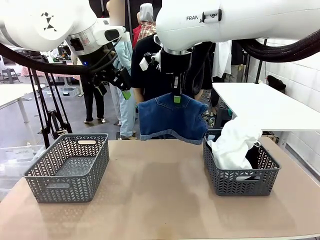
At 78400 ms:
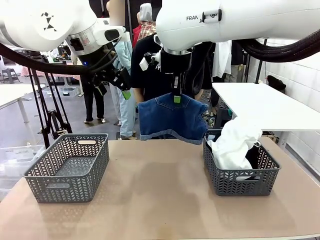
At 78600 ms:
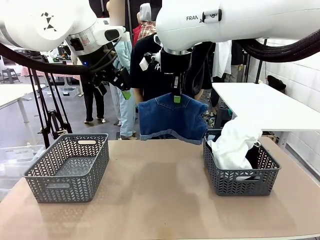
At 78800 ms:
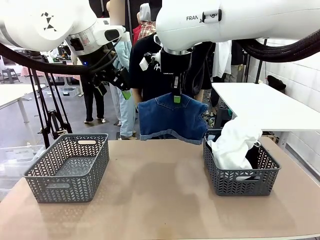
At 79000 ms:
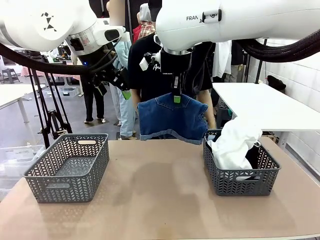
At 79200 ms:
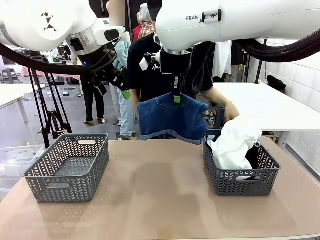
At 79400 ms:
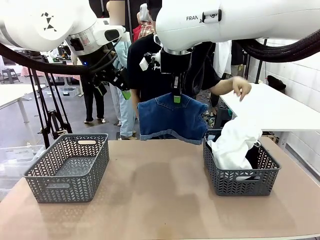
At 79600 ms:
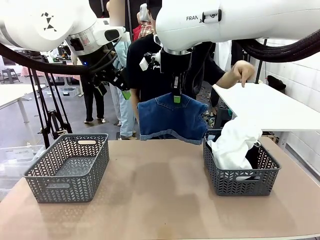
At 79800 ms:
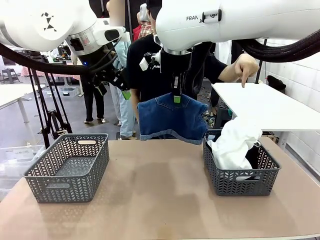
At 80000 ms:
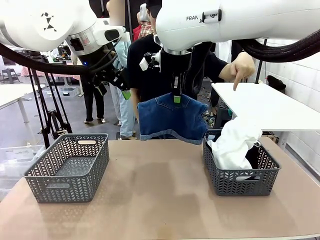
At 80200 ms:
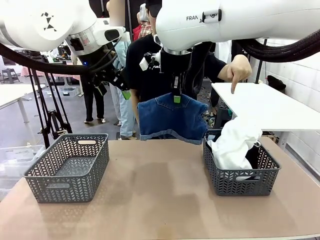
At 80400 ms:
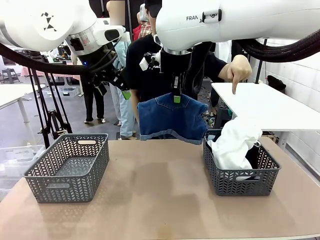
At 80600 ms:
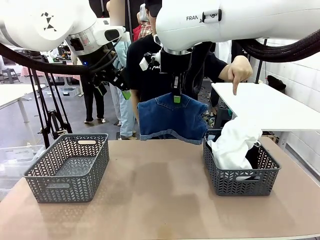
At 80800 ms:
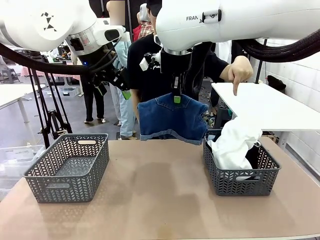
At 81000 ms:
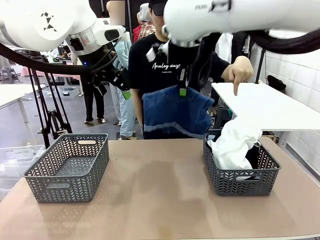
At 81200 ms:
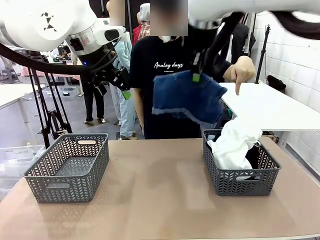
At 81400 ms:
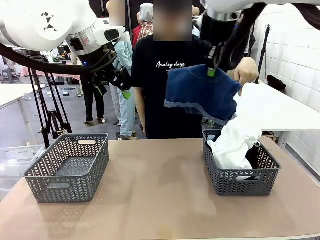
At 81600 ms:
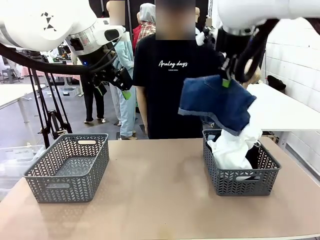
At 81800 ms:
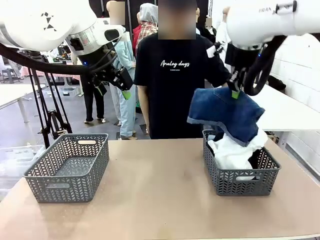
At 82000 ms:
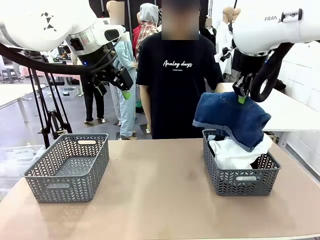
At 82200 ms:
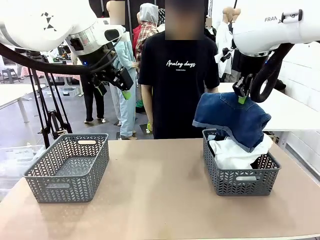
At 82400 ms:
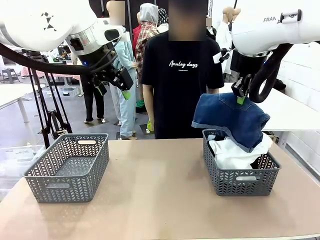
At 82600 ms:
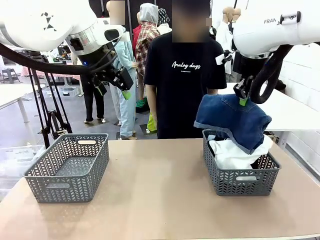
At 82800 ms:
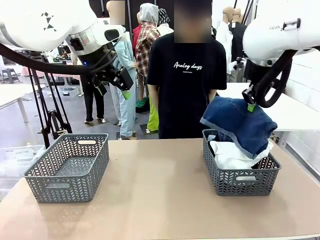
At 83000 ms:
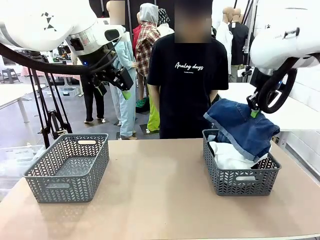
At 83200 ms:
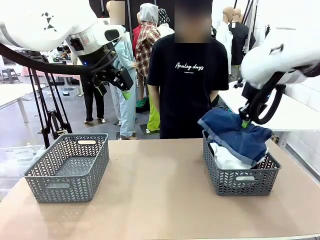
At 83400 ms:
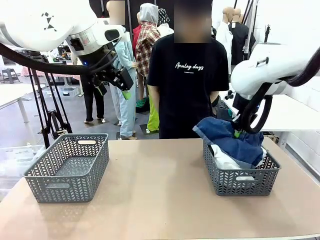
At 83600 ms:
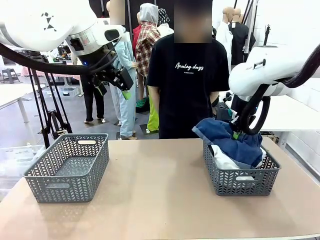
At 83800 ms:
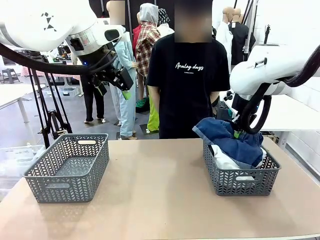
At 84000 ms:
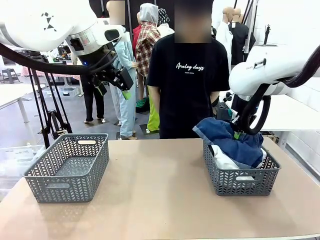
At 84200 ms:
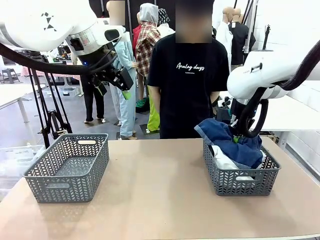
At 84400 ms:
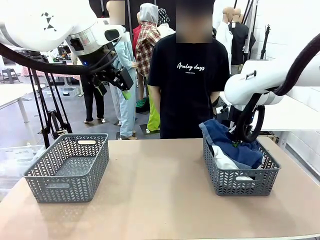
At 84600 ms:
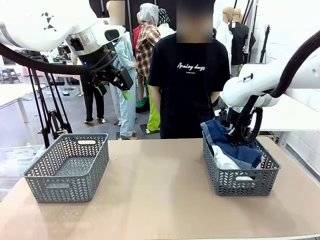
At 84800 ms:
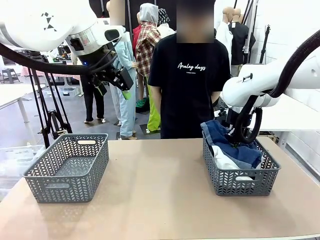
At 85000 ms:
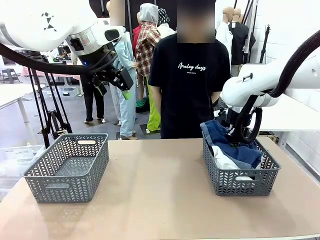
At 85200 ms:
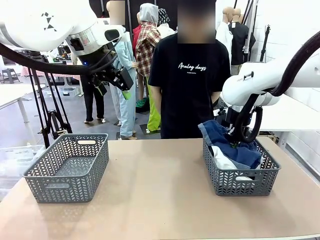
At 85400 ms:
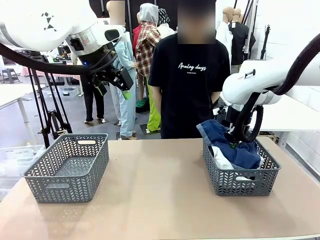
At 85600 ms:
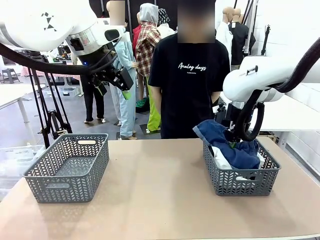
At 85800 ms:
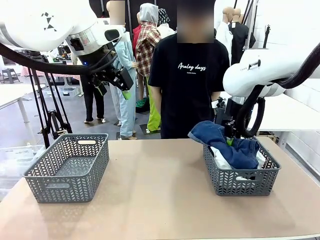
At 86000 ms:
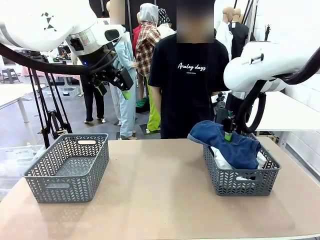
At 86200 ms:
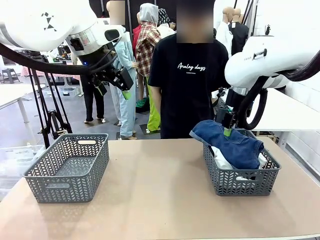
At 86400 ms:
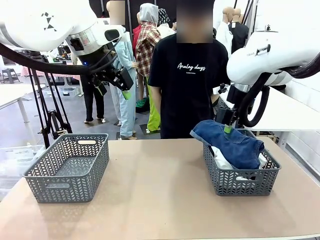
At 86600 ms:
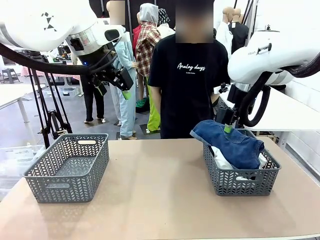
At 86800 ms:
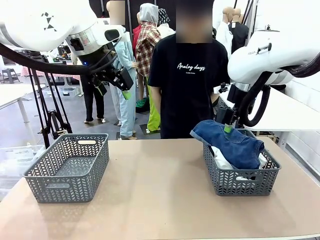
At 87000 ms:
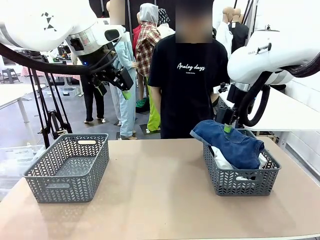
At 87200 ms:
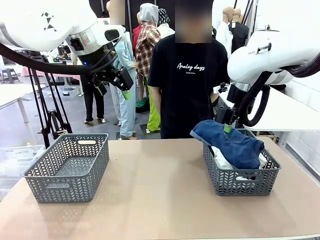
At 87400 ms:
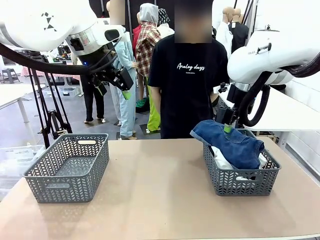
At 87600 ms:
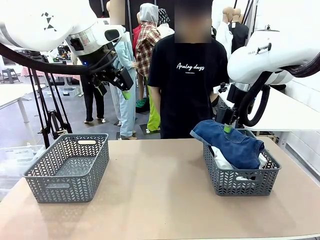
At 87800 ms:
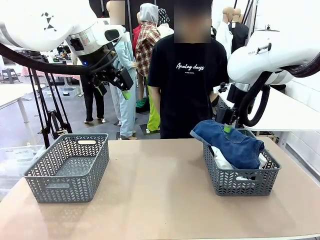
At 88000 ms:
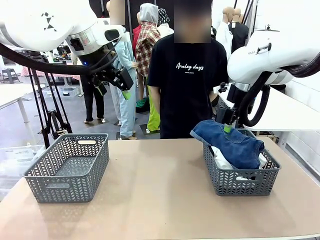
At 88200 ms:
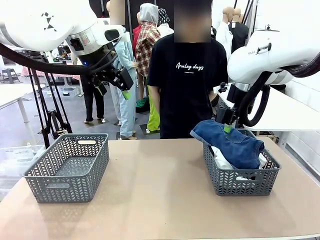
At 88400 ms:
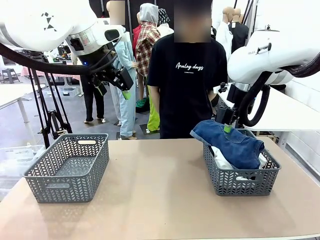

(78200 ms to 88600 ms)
Task: Sort the tops and bottoms.
Robot: Sort the clothes according to human instructions.

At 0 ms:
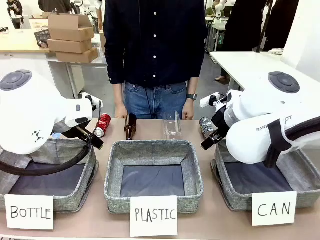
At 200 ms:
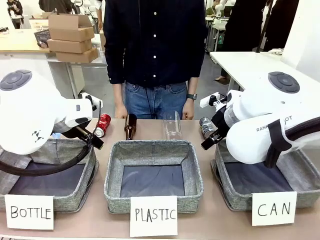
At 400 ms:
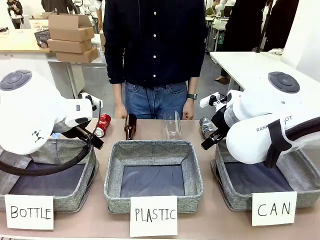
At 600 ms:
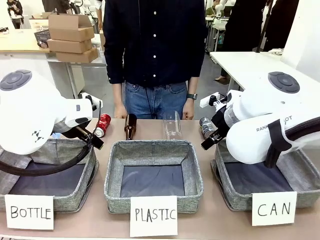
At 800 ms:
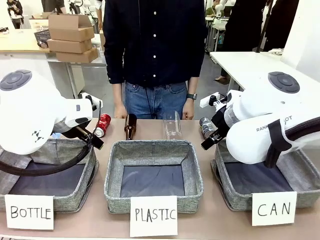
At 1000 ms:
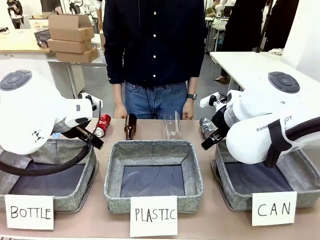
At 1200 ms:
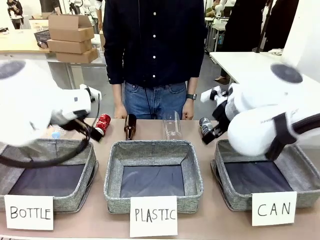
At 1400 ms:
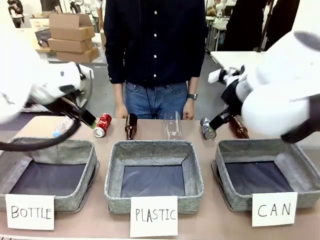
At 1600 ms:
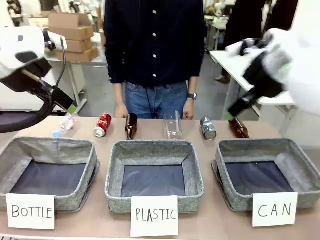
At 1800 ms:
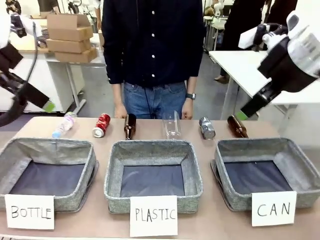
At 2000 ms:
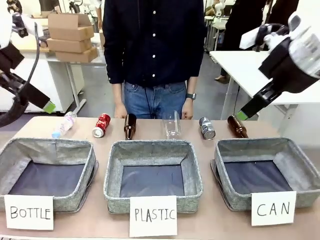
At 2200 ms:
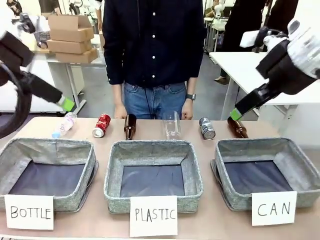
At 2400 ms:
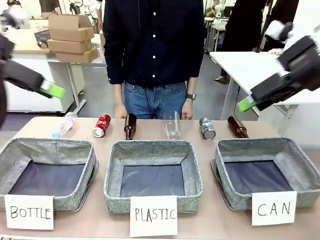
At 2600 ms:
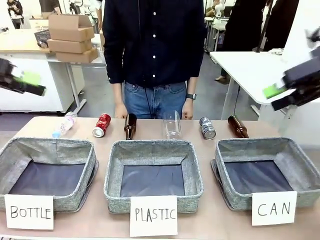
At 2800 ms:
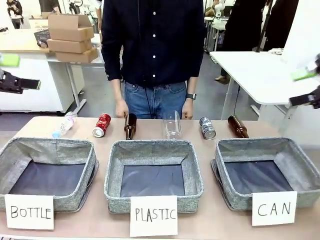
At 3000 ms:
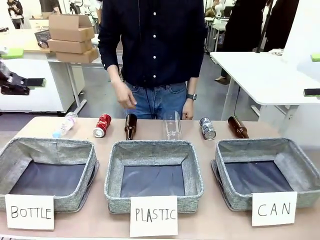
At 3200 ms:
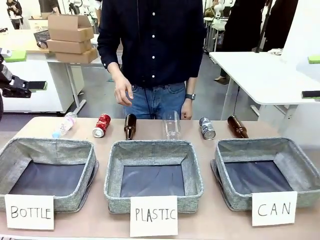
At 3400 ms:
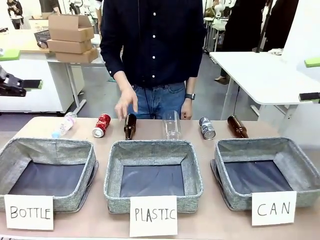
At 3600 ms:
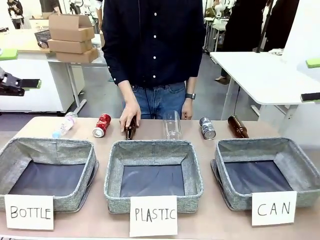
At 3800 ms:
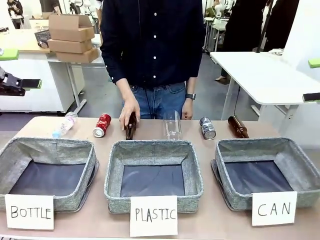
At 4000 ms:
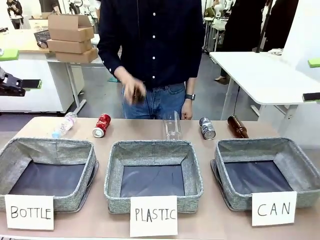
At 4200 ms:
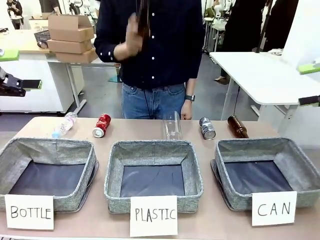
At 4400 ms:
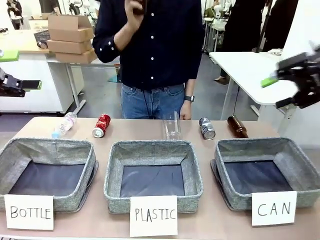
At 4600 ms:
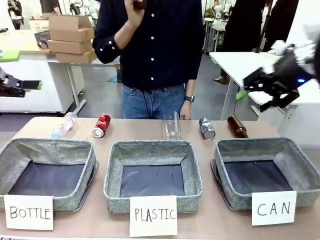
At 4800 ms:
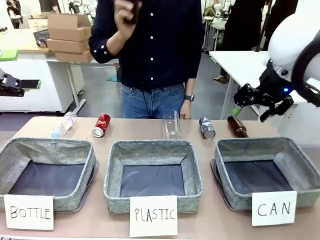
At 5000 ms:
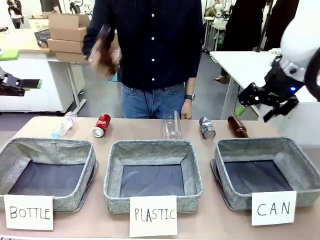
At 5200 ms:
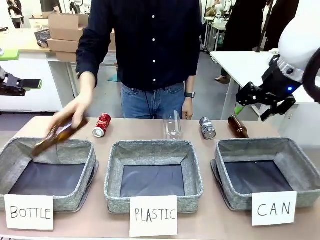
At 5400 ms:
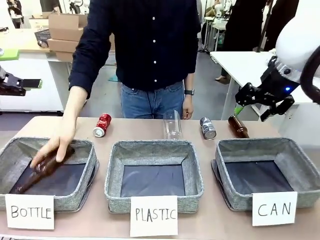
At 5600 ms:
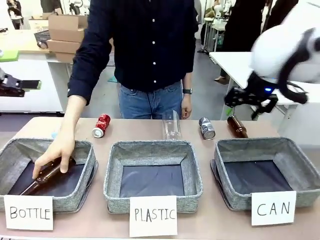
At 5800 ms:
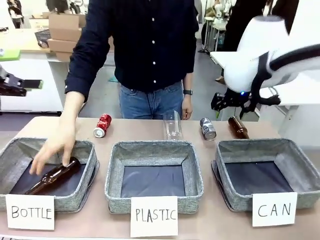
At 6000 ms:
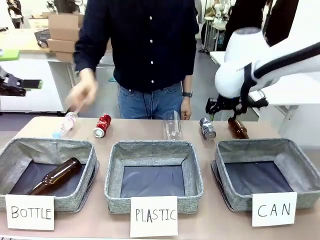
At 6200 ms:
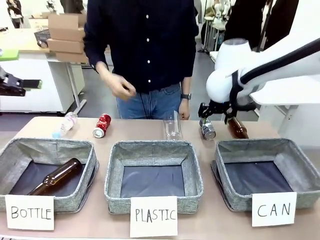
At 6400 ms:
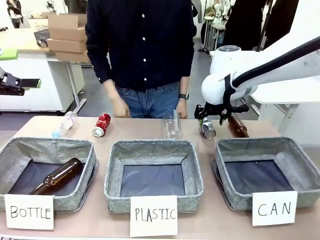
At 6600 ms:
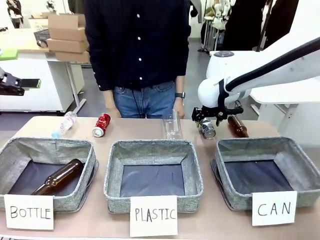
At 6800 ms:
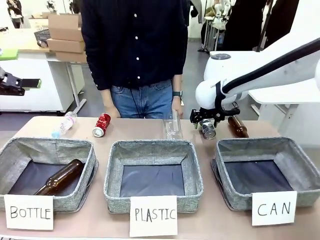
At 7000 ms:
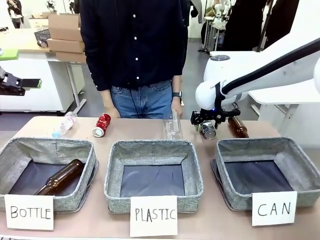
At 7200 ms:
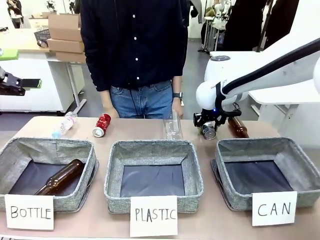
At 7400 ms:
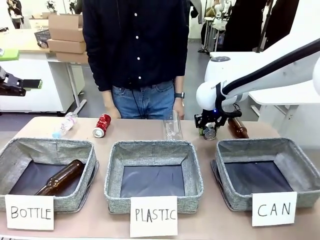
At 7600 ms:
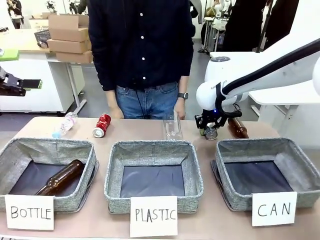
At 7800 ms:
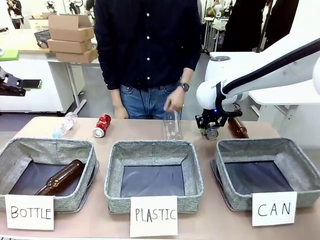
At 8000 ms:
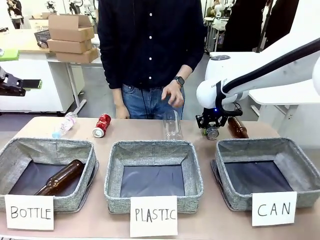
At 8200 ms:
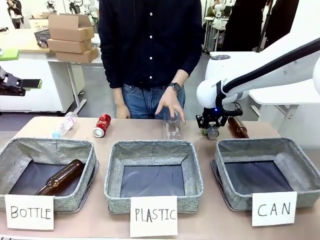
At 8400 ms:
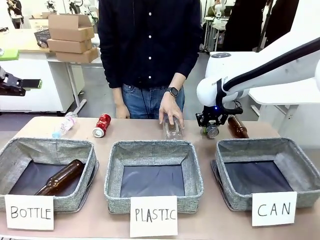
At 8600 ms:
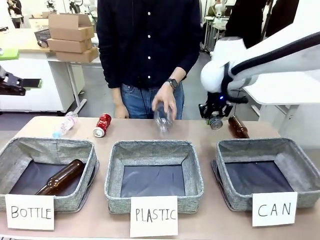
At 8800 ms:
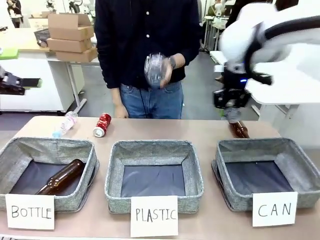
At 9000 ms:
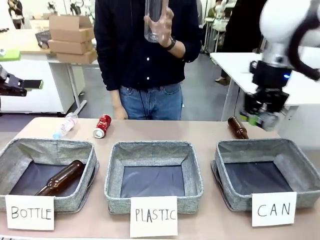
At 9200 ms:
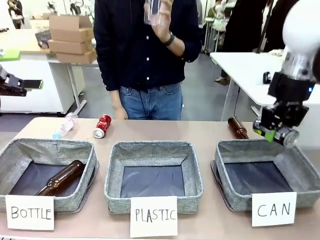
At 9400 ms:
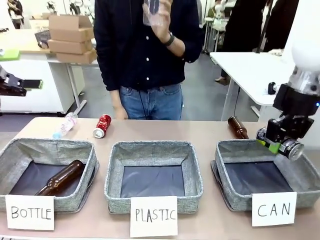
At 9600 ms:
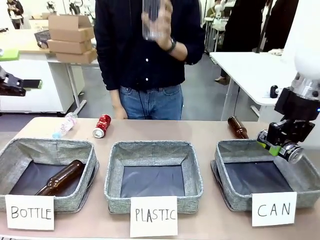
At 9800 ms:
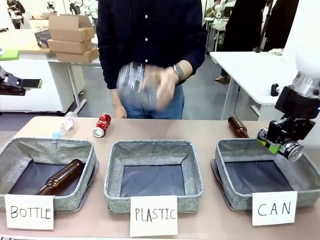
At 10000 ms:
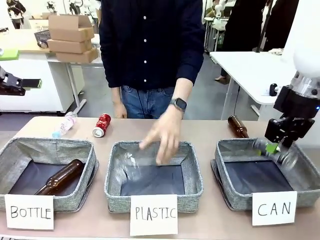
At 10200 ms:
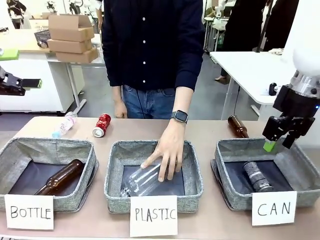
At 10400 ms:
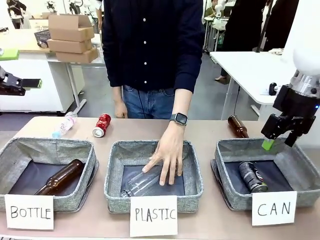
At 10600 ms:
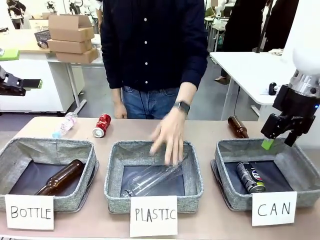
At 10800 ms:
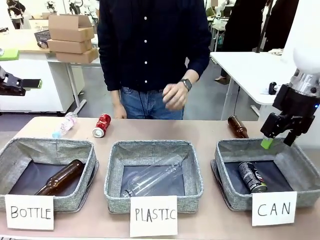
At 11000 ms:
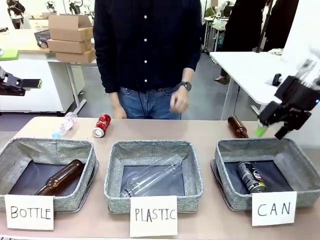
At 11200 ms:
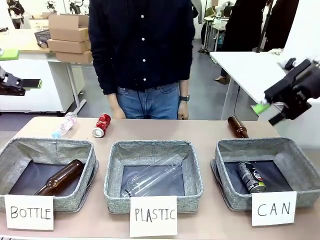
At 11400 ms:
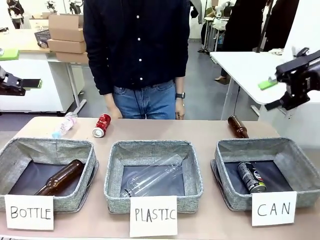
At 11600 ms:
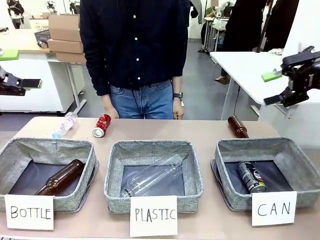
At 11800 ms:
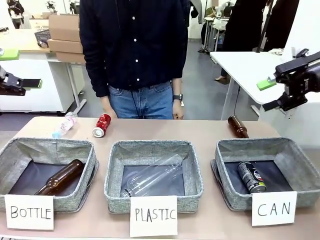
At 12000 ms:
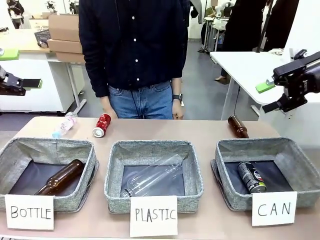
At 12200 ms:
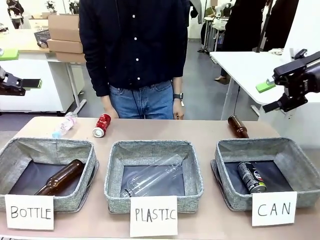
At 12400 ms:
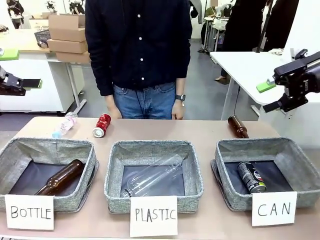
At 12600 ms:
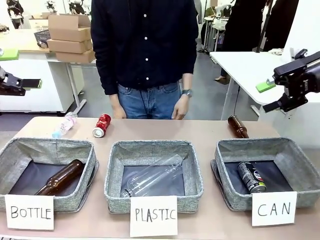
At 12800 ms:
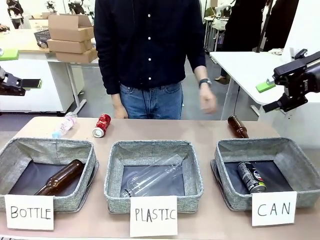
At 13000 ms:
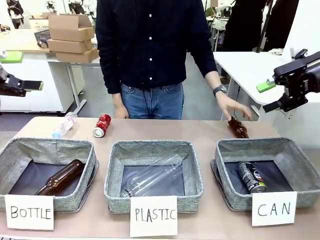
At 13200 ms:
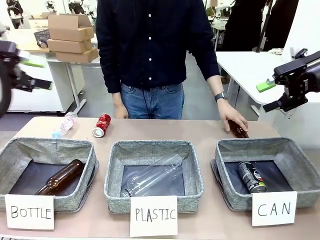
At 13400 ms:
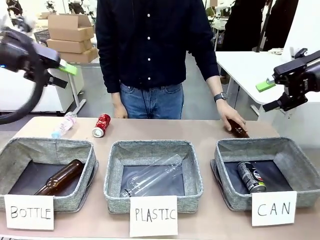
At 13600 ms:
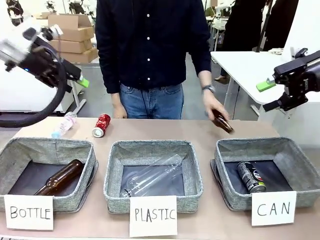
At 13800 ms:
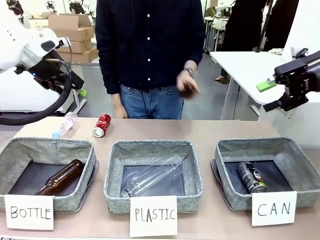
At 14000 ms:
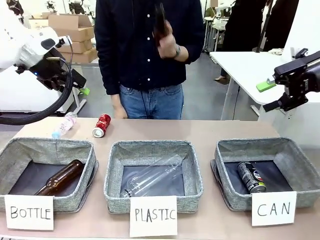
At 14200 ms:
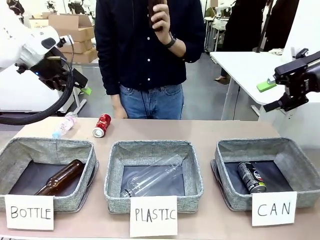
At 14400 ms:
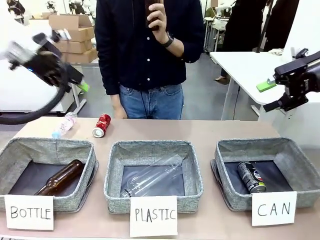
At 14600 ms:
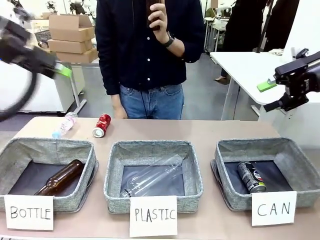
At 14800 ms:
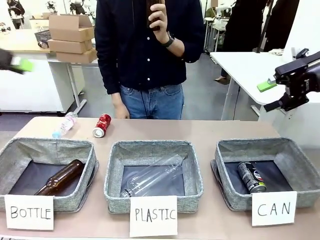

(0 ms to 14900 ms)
Task: Sort the can waste into the basket.
Robot: Pick up the can waste from the table and place it in the right Fabric basket.
